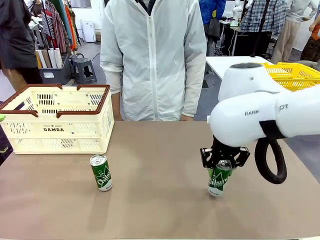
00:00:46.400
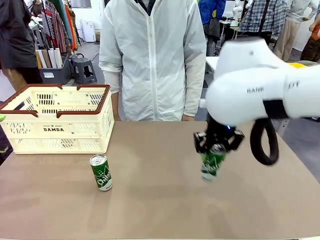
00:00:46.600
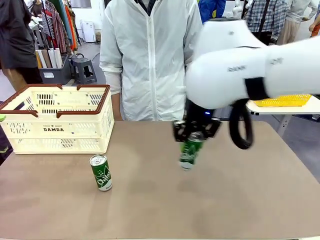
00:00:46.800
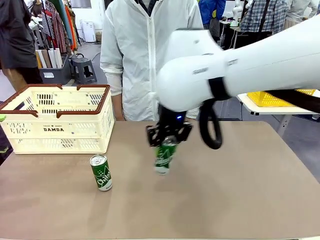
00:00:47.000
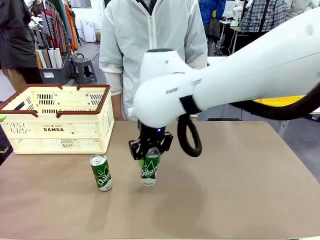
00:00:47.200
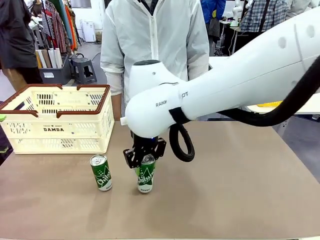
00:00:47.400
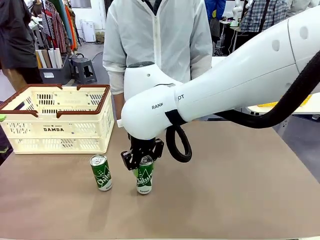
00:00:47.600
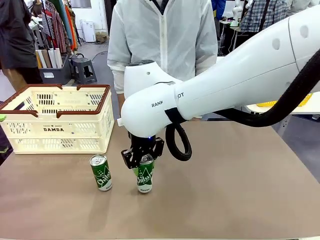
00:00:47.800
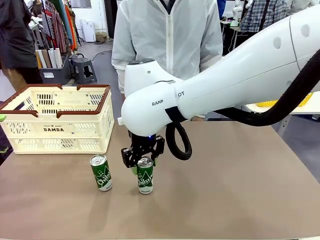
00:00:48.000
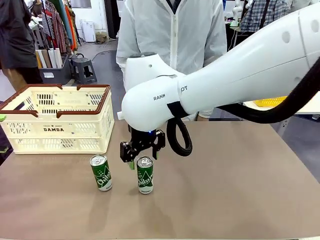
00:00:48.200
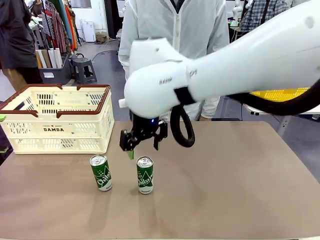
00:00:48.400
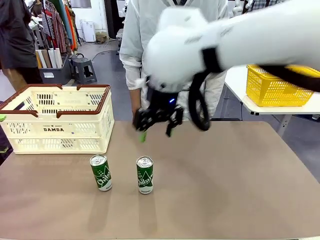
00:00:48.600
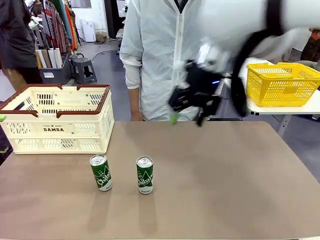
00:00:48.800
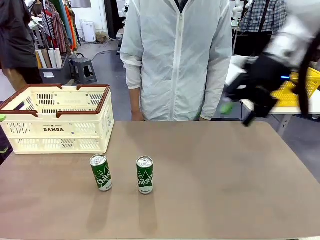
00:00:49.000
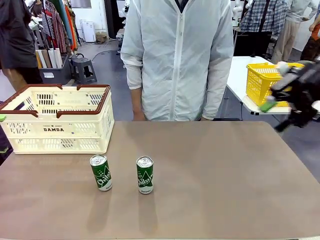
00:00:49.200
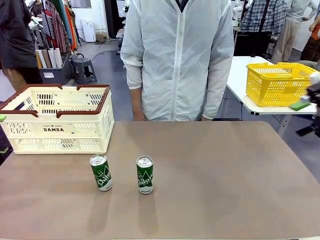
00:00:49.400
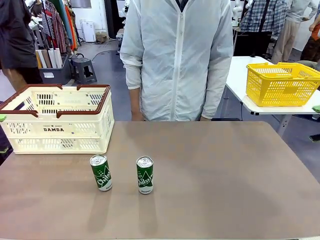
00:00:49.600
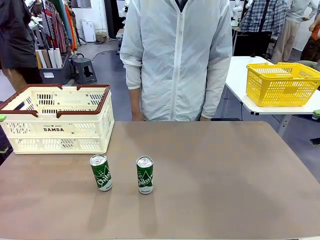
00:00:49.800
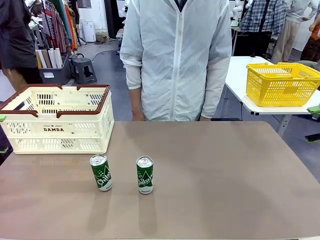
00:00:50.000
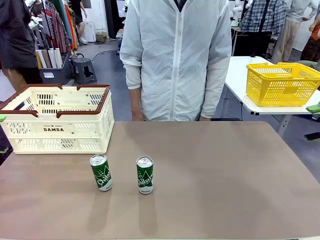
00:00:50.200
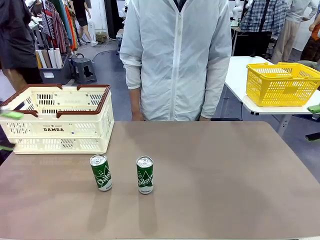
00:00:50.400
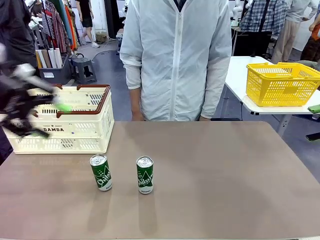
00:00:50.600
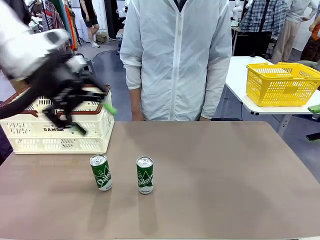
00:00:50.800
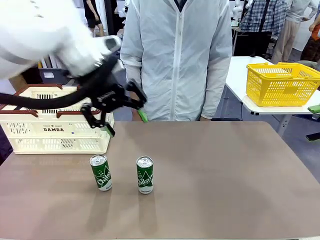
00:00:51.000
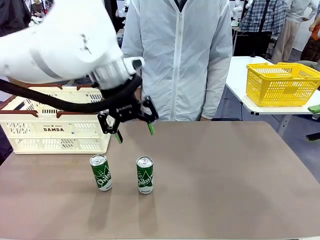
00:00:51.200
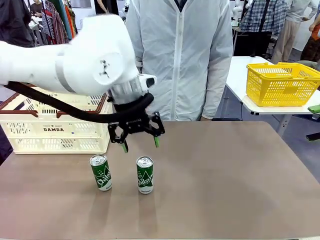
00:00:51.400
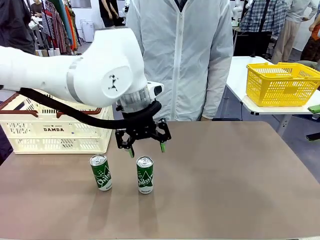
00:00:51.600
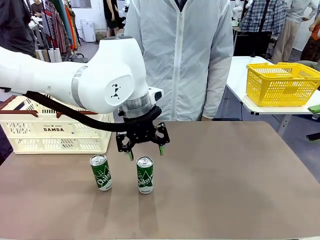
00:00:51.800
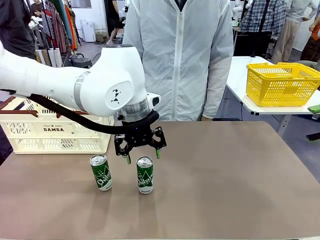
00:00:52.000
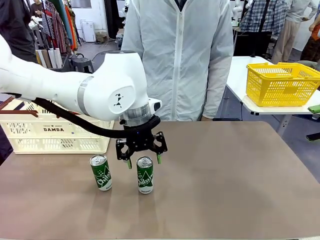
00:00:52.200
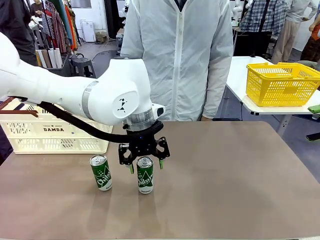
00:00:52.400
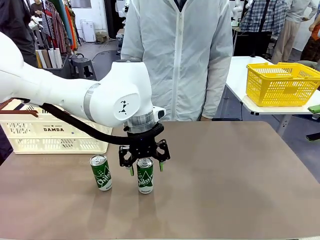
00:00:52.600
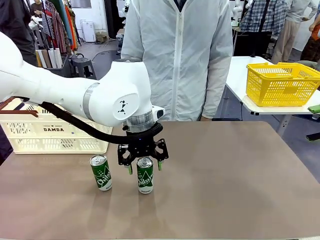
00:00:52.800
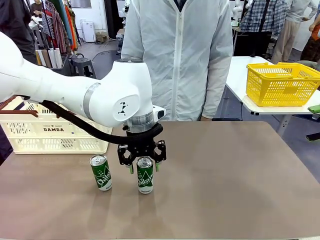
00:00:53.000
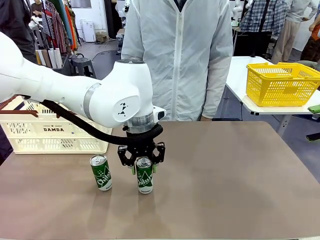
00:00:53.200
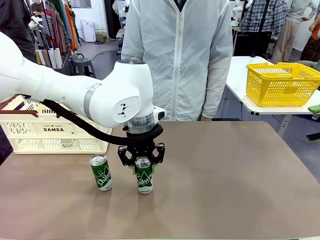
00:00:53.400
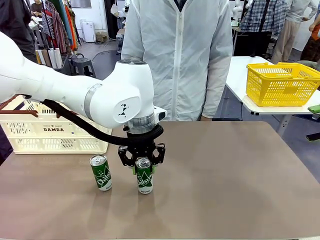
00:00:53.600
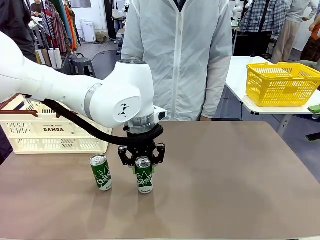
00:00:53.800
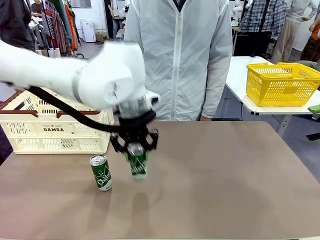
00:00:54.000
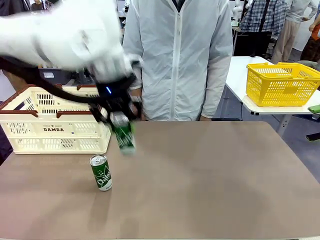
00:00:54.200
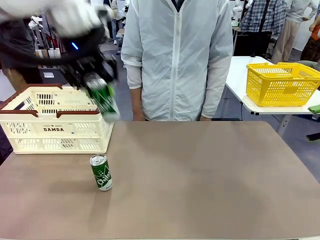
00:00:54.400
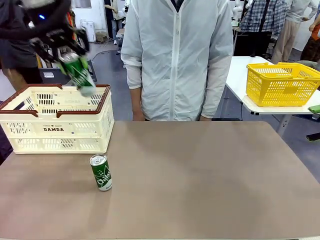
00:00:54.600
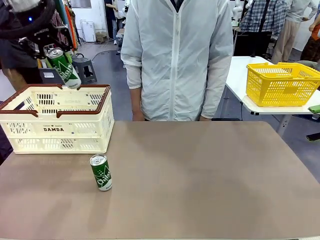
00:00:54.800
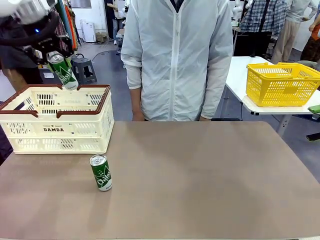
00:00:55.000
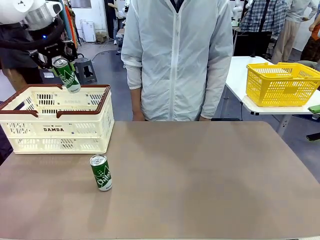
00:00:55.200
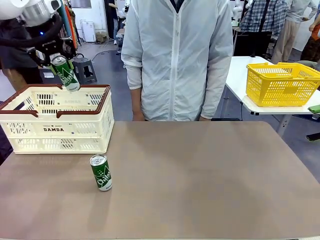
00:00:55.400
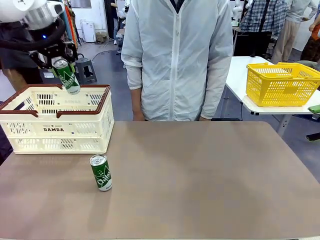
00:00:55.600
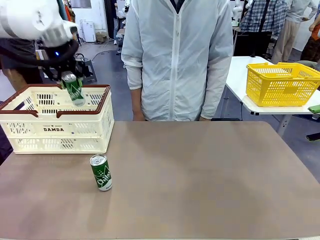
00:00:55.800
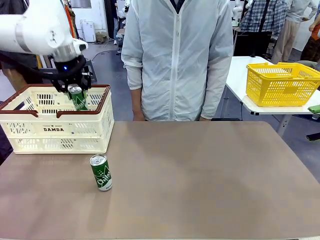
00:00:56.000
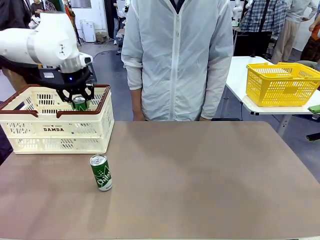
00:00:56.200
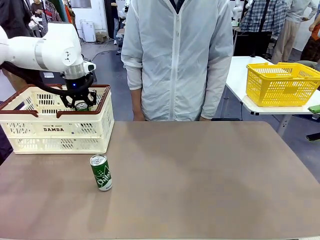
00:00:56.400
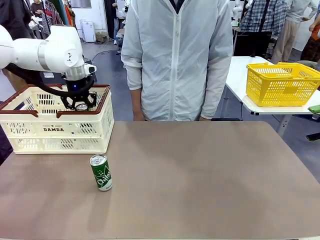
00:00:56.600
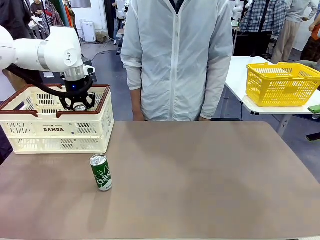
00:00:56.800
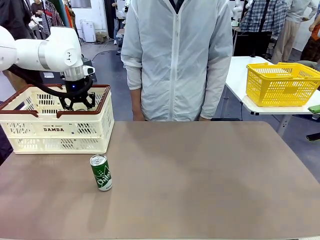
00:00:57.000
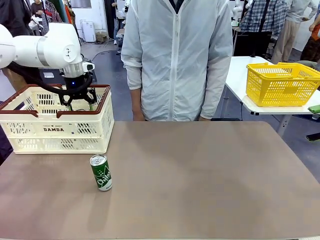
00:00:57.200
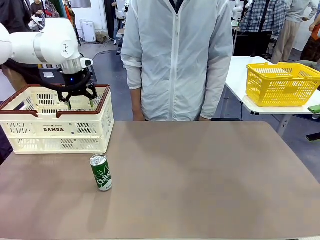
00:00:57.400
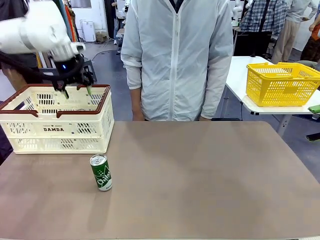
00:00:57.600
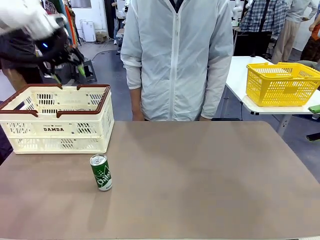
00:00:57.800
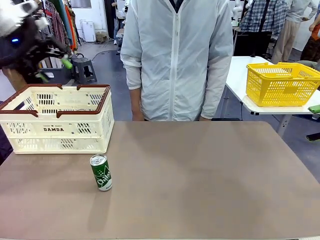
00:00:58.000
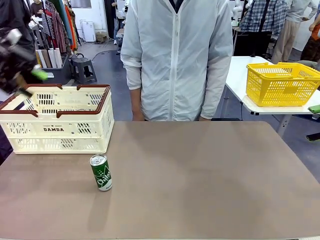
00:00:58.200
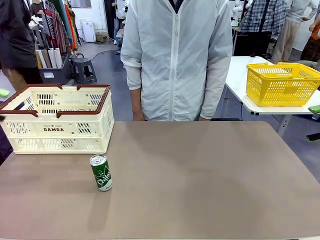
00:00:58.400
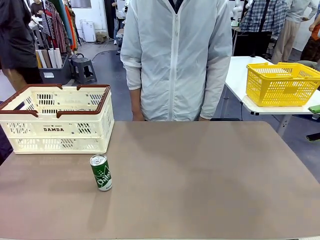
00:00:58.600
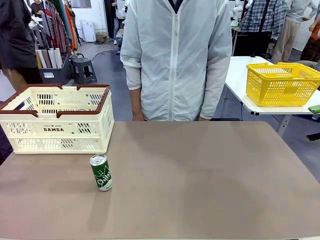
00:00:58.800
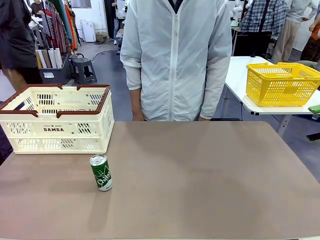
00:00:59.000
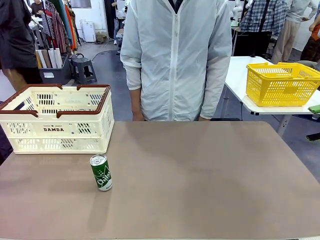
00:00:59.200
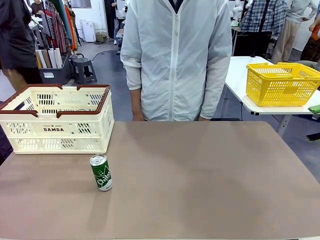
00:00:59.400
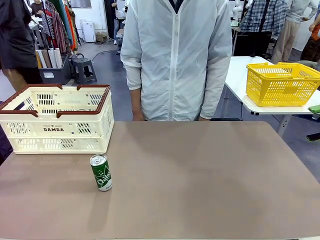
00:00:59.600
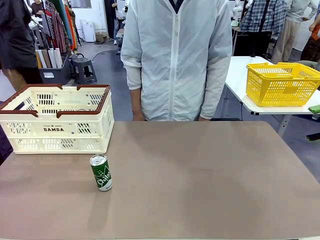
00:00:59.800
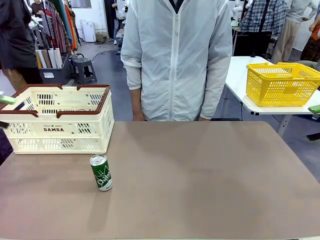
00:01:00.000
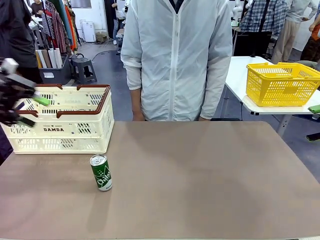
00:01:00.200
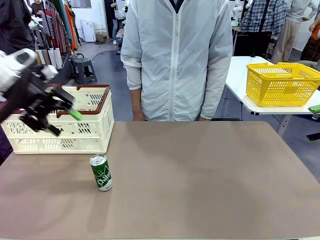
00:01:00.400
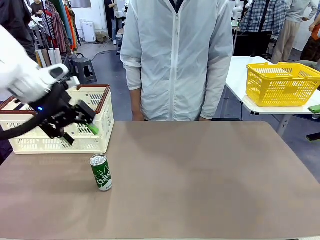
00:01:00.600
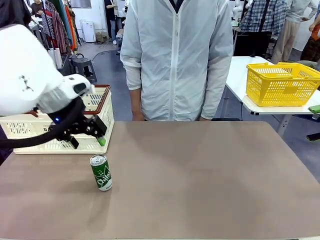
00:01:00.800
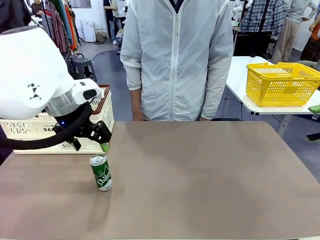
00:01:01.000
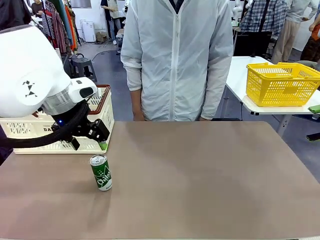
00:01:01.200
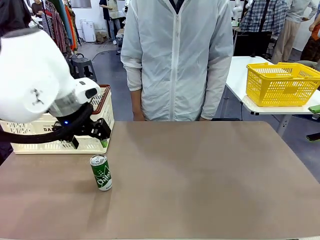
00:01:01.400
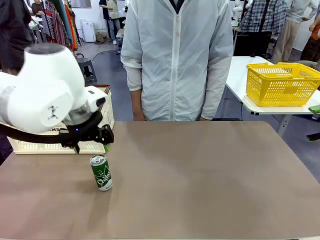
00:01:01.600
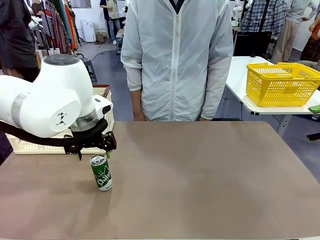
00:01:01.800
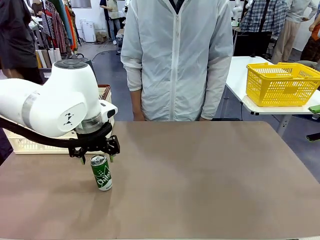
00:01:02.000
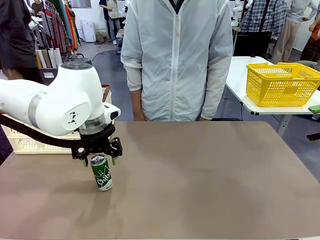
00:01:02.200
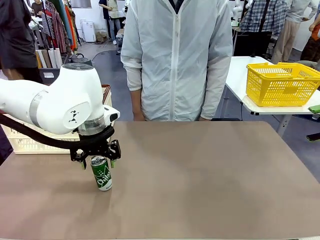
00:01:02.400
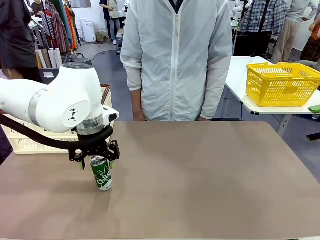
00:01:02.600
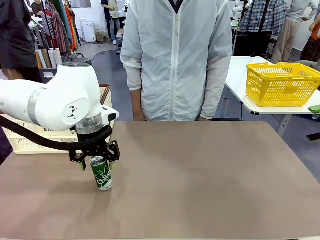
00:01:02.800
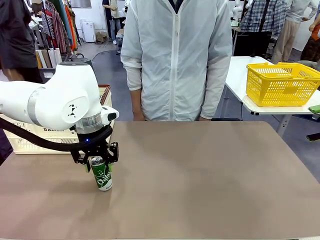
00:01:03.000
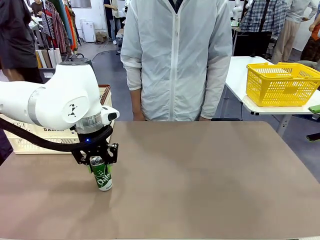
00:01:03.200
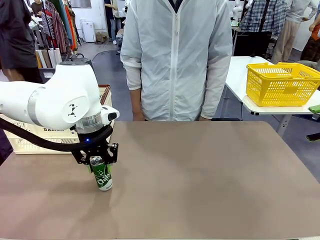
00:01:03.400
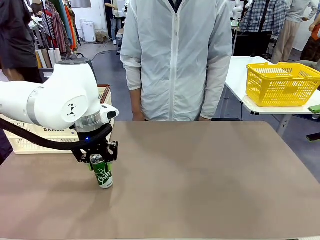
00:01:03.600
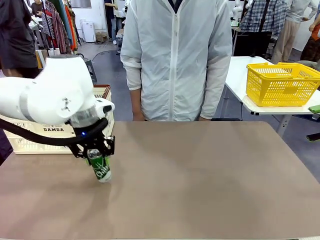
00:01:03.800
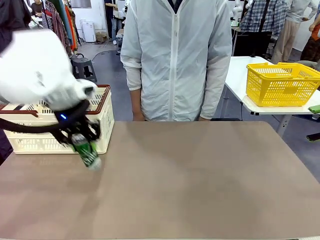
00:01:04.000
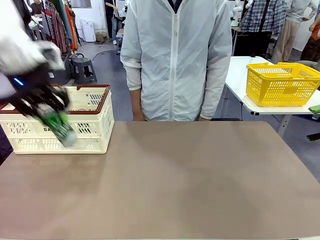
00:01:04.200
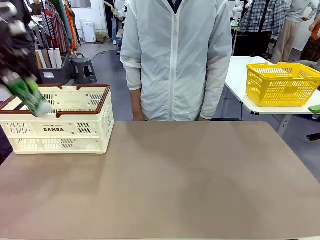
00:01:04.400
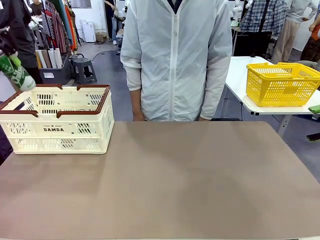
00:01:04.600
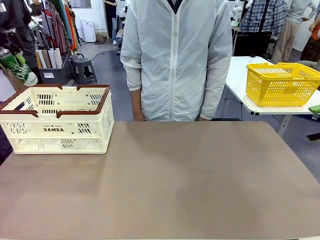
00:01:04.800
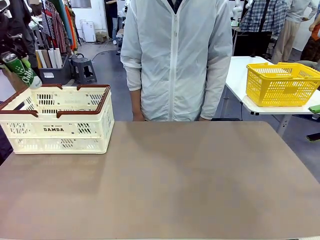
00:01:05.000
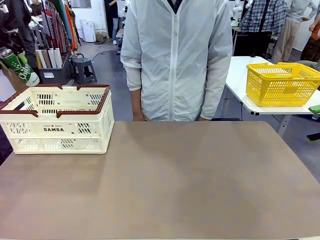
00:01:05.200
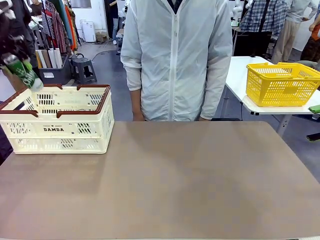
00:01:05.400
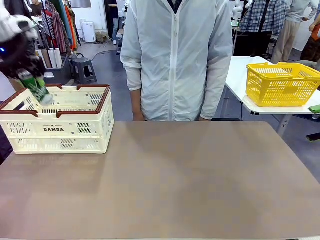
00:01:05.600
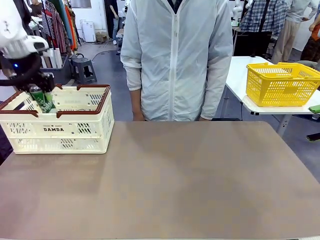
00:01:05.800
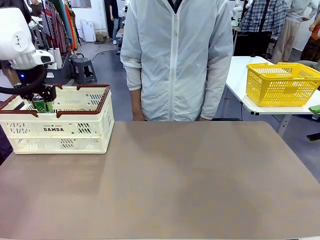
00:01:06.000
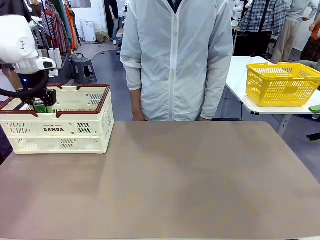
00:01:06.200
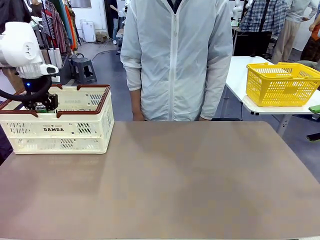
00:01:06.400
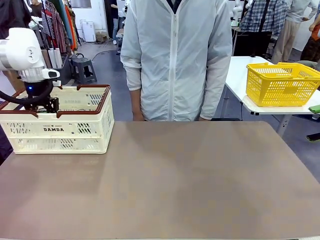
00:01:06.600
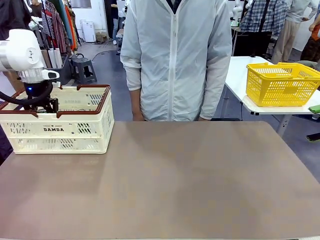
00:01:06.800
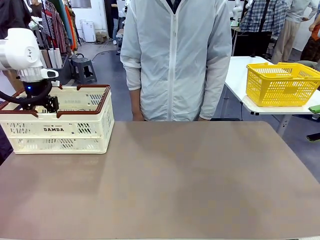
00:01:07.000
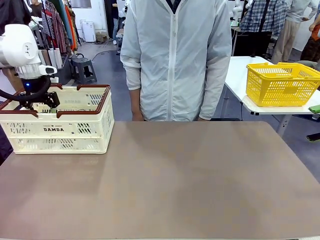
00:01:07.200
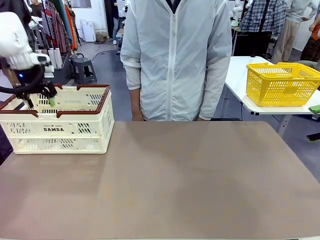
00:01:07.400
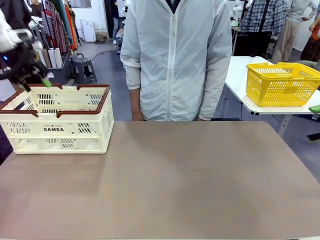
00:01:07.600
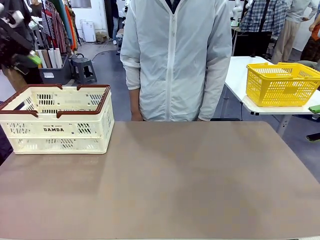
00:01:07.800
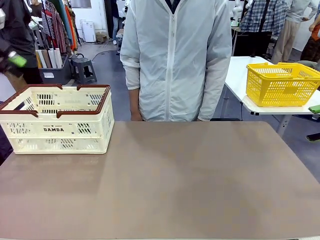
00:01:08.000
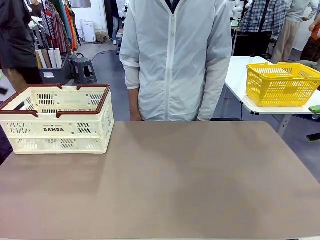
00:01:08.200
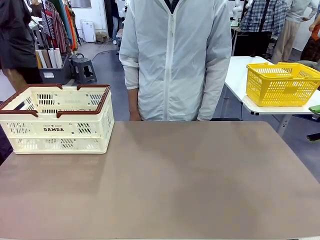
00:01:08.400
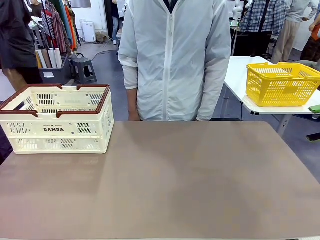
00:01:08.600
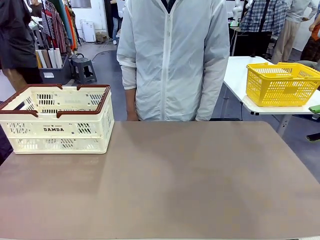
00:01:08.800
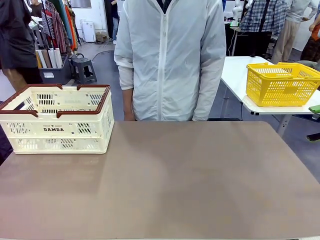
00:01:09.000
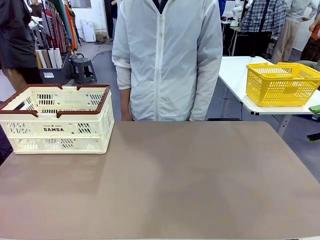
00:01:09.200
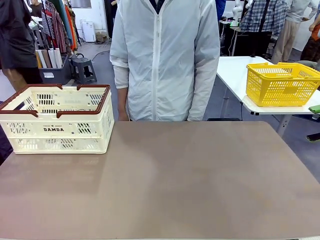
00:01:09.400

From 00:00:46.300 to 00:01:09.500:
Task: Place the drinks into the Shopping basket.
Robot: Pick up one drink and place it into the Shopping basket.
